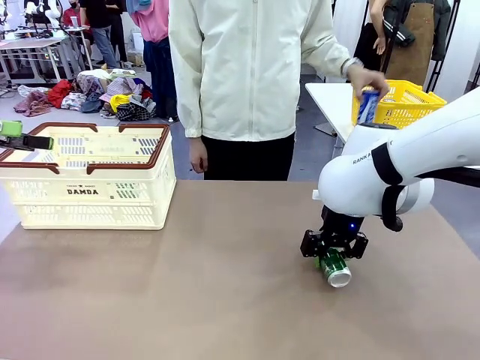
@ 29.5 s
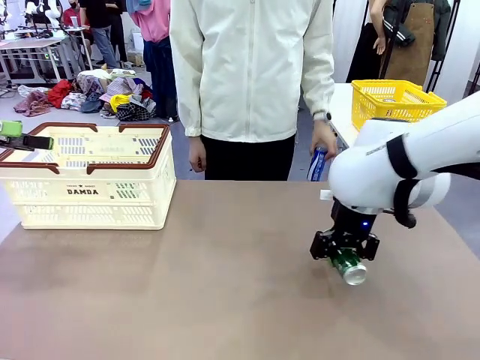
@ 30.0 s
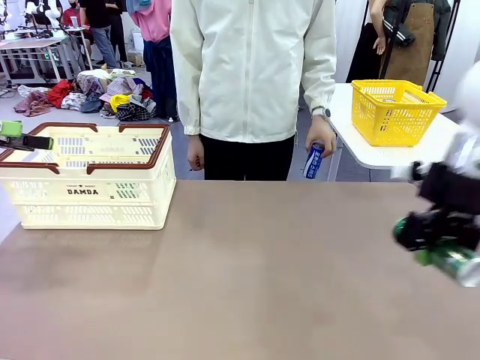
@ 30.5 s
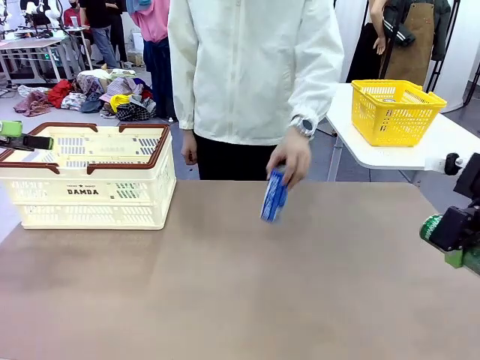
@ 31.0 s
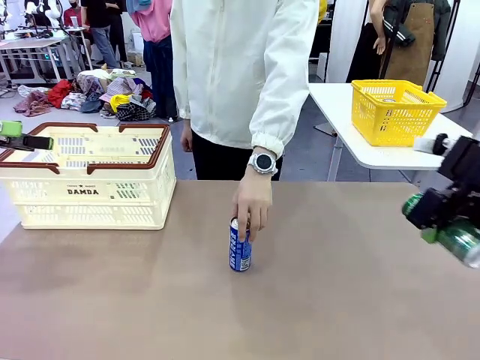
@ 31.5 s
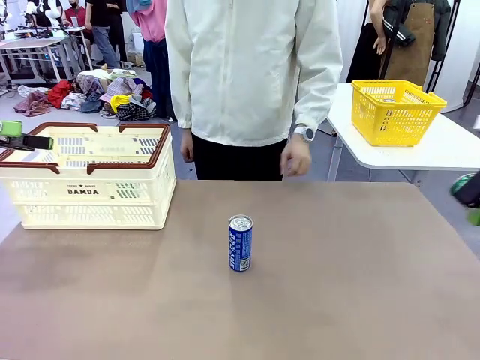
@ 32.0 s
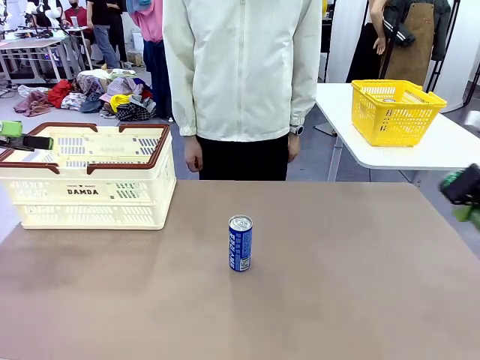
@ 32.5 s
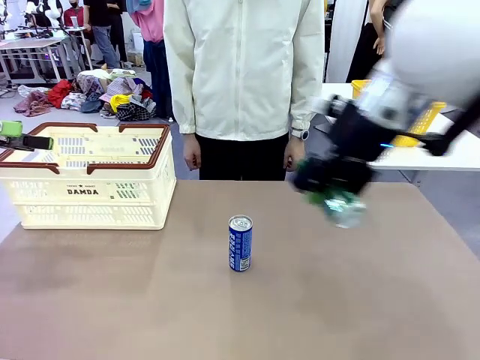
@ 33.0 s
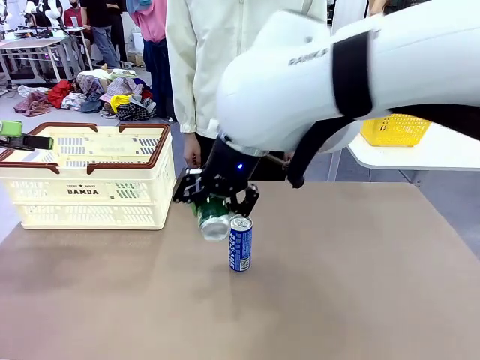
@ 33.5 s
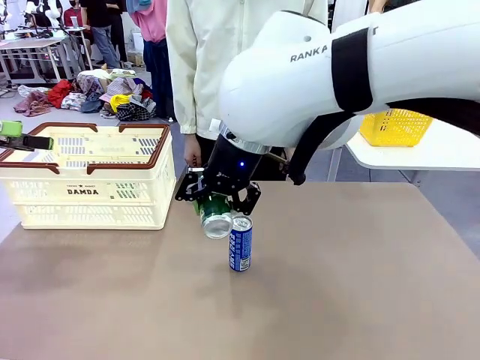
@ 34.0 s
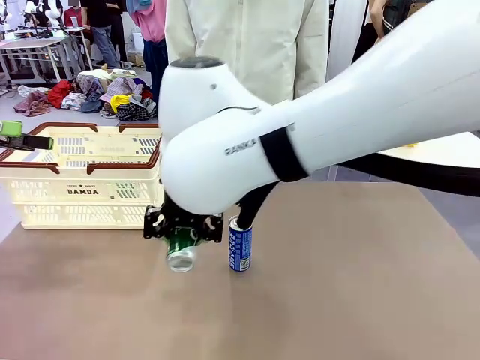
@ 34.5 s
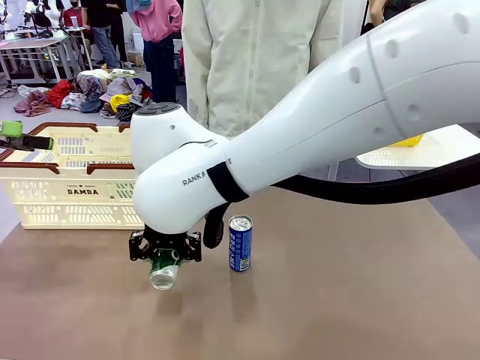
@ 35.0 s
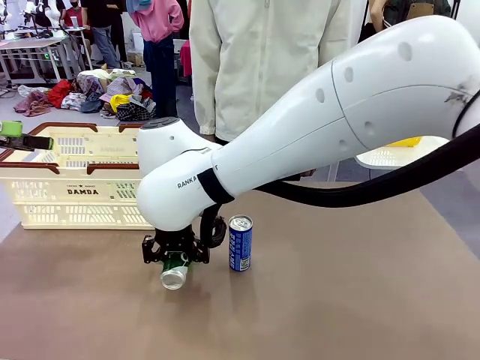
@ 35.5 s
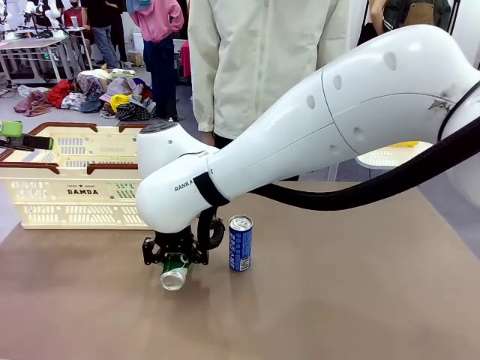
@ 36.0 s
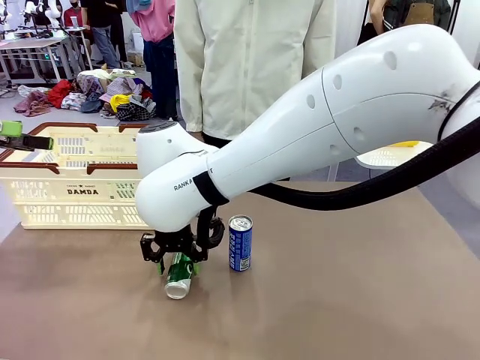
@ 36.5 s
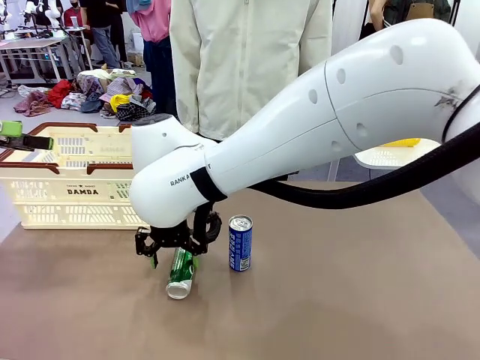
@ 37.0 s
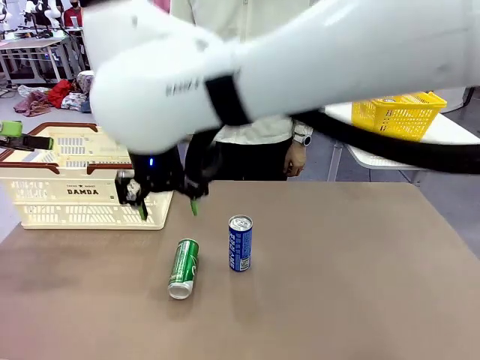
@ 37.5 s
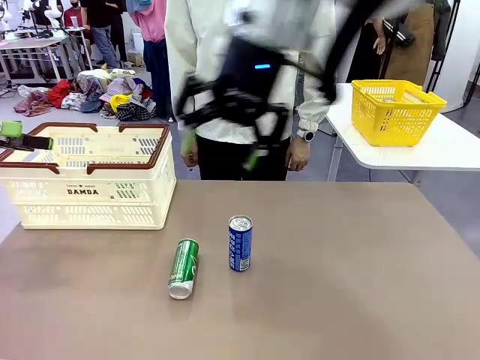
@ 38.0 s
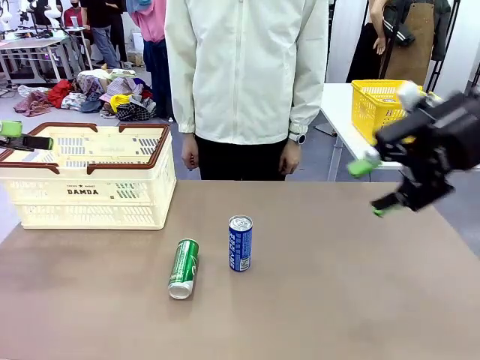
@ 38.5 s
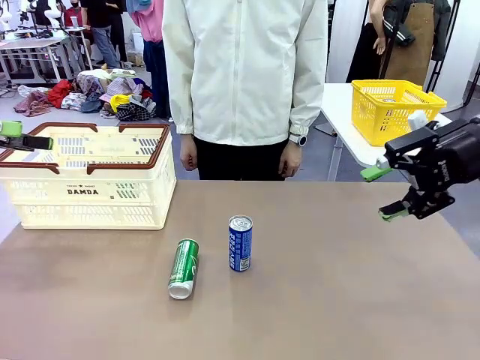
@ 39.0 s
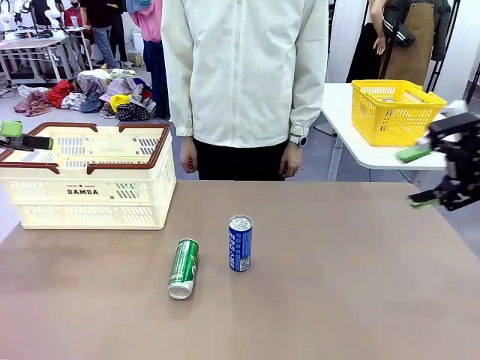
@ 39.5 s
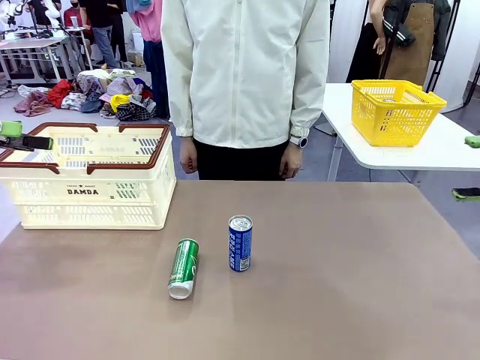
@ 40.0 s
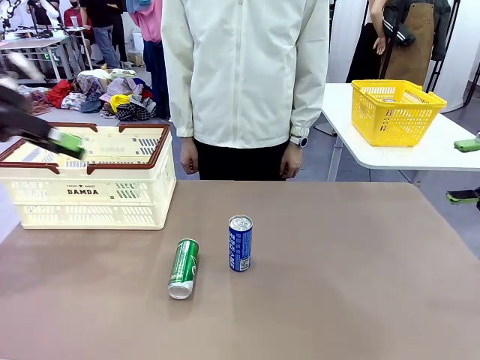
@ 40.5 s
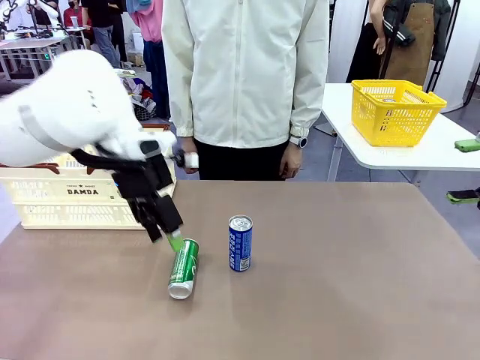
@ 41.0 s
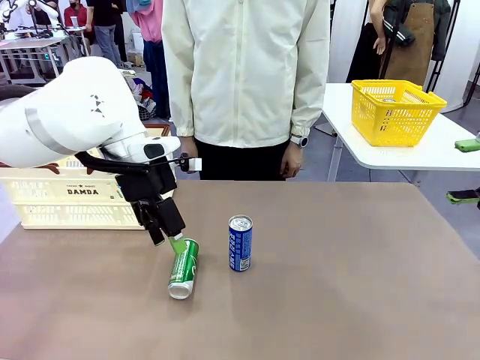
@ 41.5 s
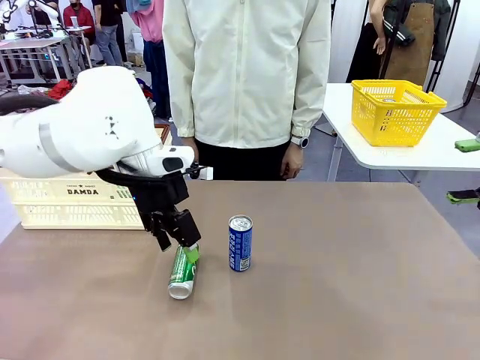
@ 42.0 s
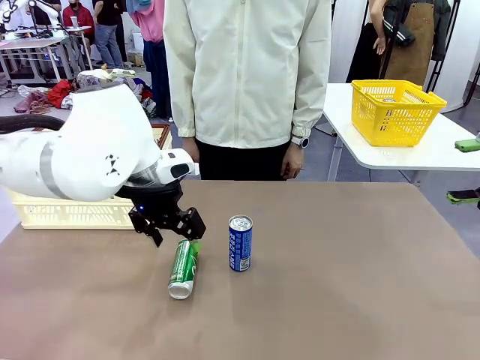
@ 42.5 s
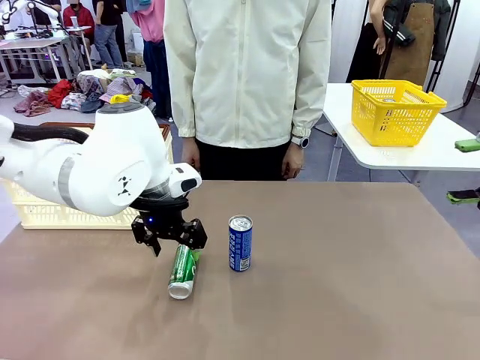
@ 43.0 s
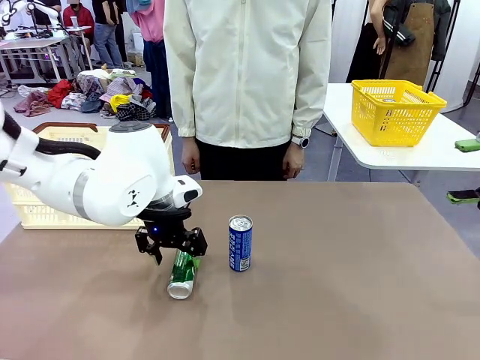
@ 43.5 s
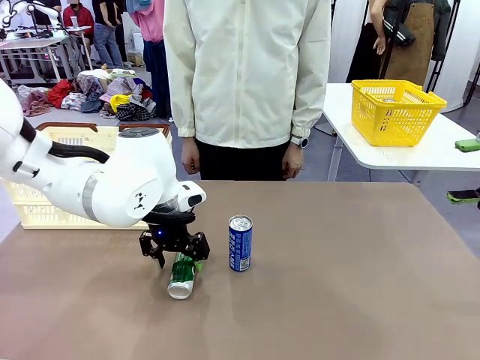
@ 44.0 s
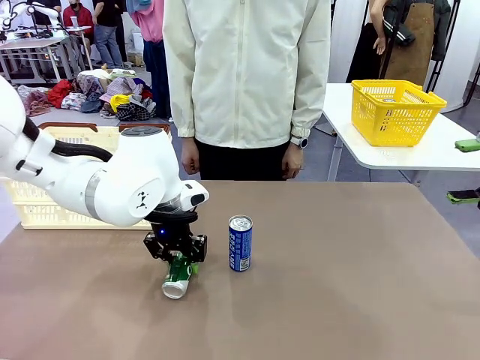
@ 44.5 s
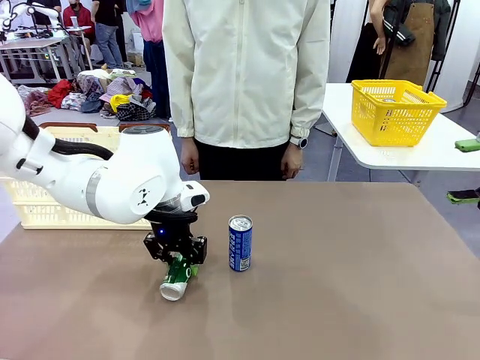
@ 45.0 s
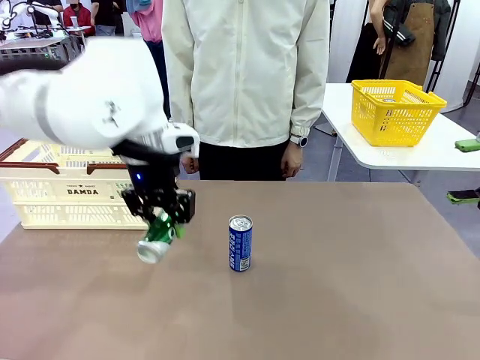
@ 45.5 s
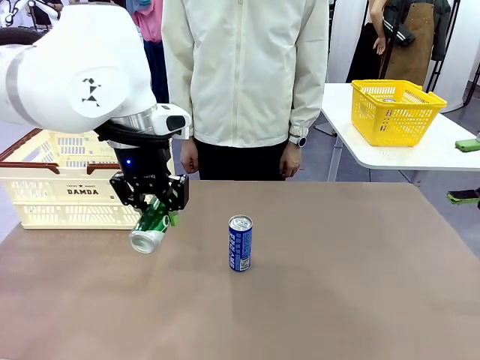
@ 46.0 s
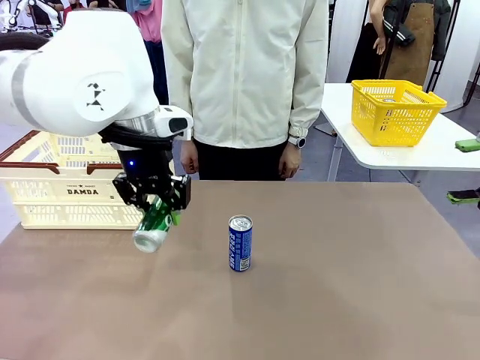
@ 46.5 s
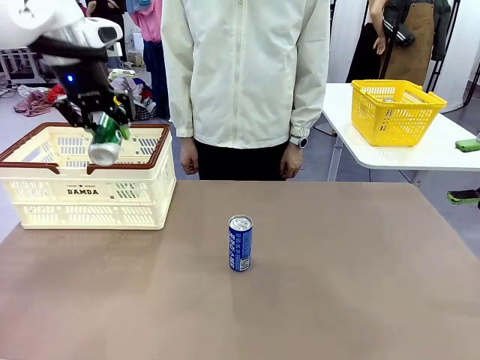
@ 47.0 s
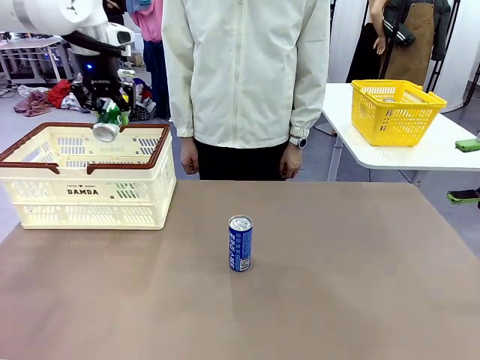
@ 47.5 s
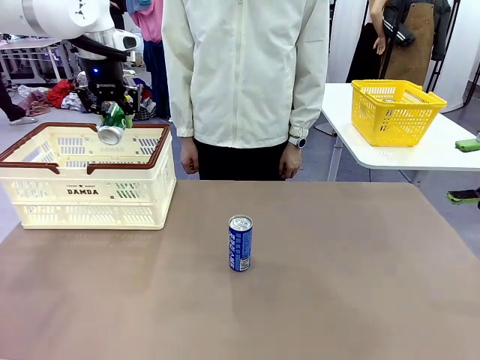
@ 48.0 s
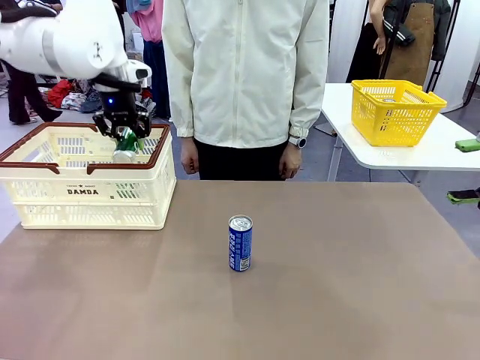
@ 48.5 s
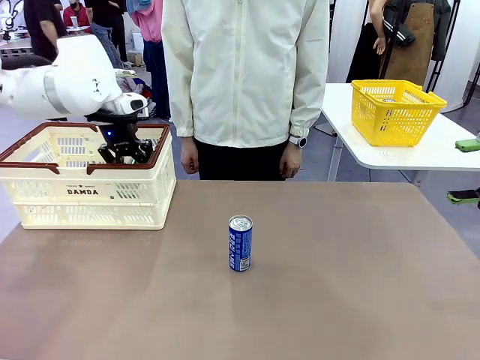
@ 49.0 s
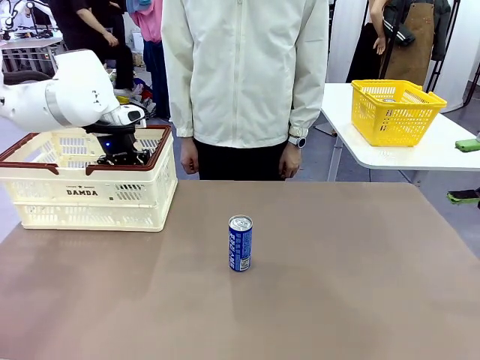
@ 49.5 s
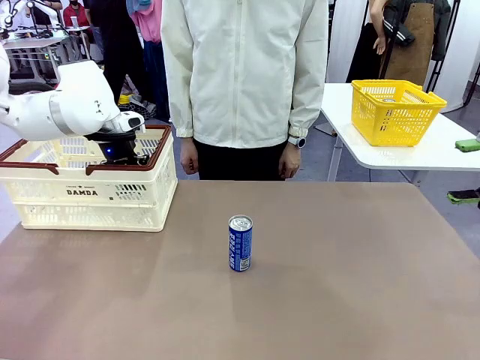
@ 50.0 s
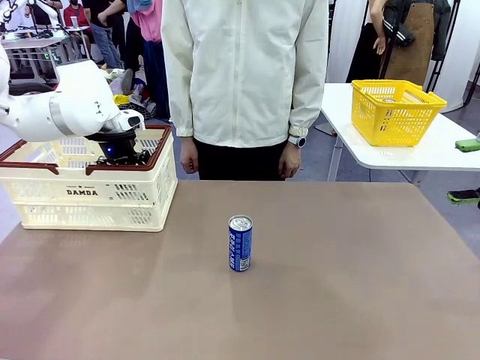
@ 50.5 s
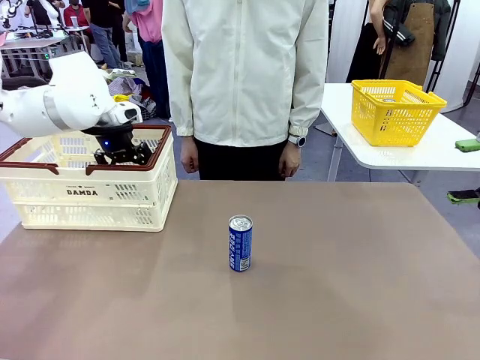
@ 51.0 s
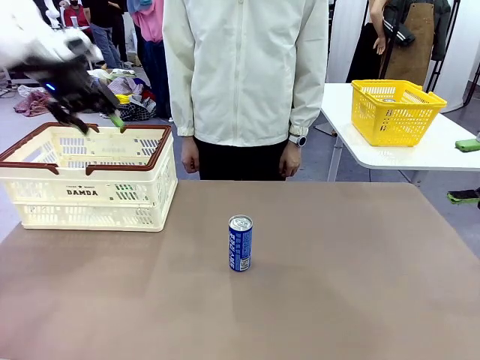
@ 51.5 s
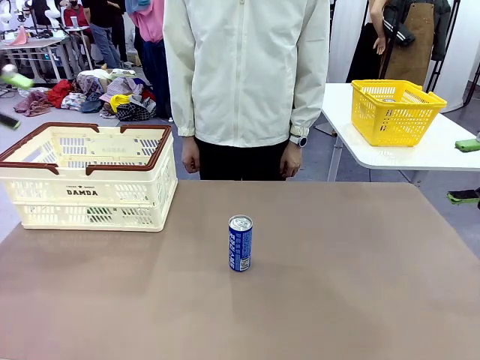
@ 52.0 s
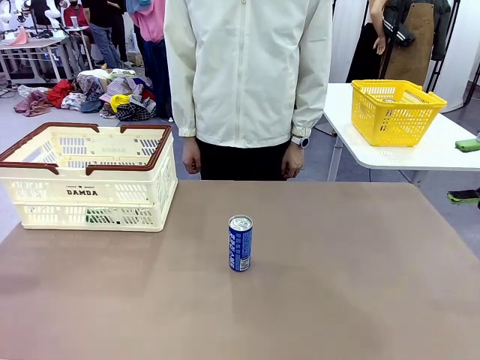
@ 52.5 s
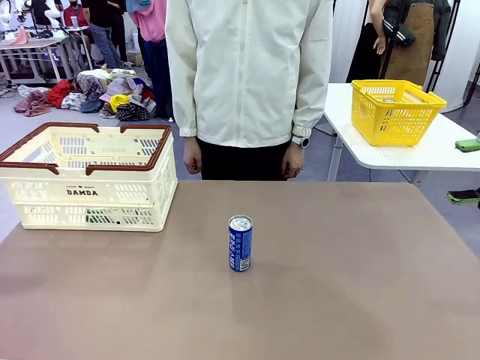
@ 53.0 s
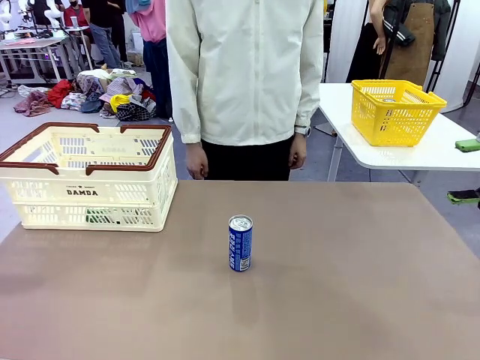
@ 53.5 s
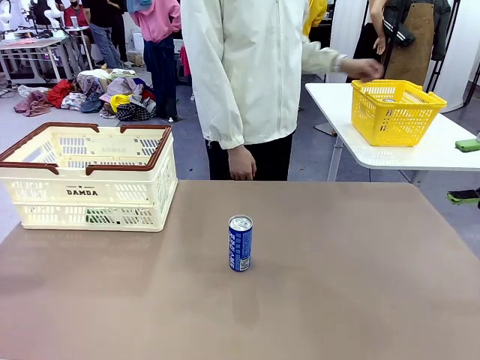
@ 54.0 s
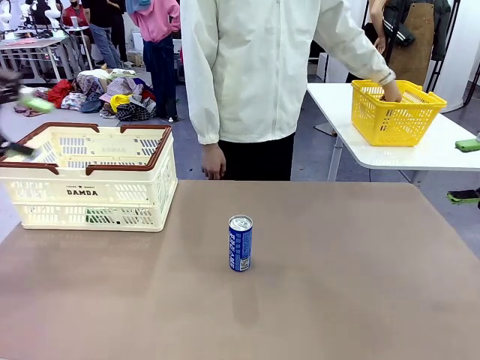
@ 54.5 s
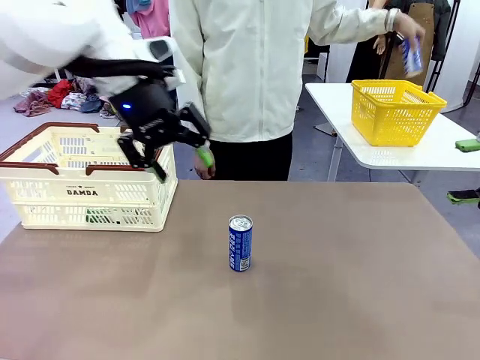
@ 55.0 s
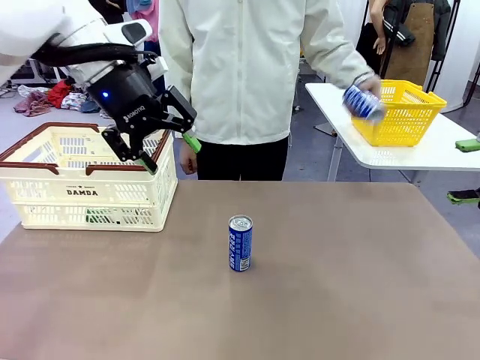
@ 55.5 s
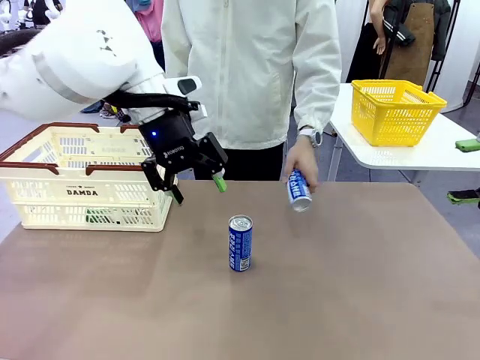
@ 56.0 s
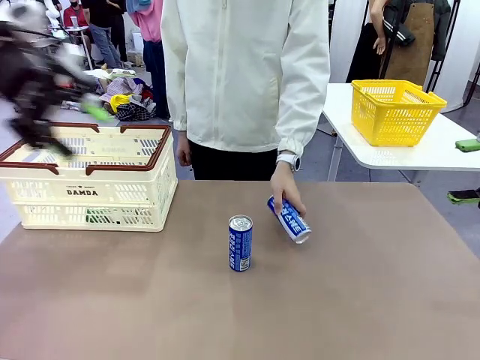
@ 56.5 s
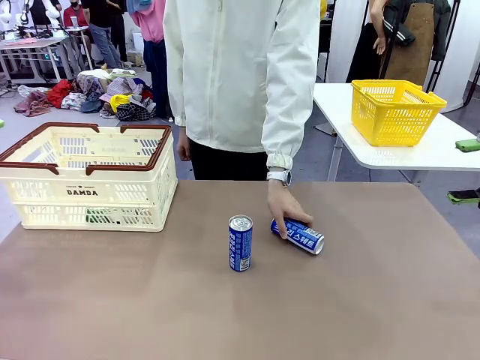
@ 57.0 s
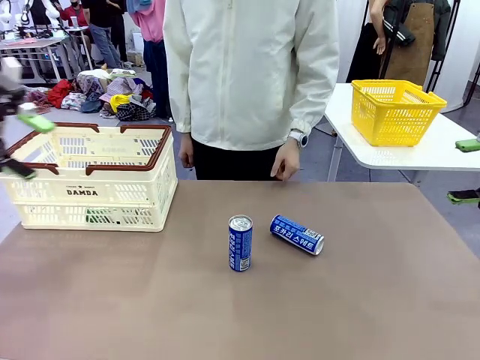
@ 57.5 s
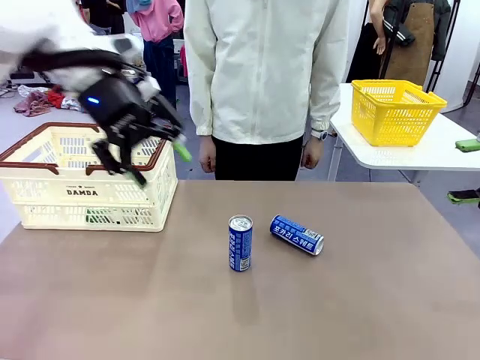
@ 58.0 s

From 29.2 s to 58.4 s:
Task: Place the drinks into the Shopping basket.
Robot: Pick up one drink and place it into the Shopping basket.
